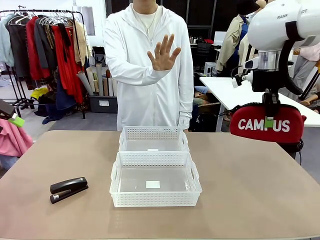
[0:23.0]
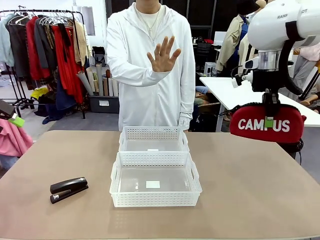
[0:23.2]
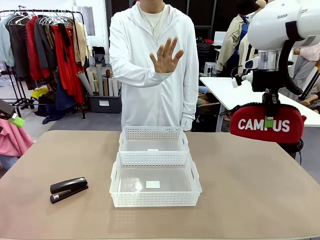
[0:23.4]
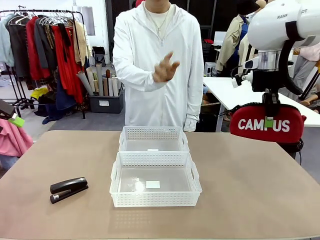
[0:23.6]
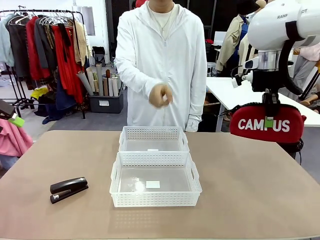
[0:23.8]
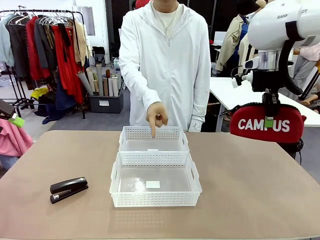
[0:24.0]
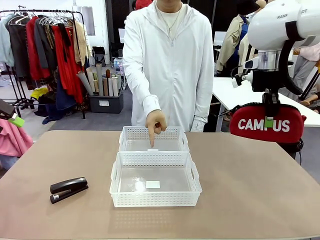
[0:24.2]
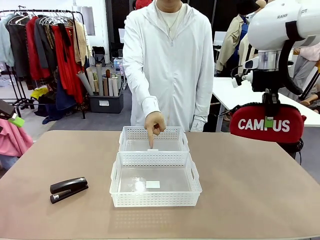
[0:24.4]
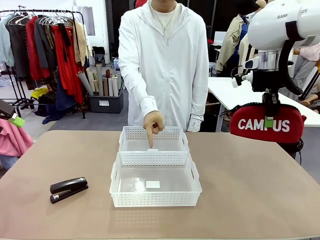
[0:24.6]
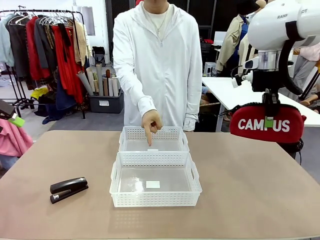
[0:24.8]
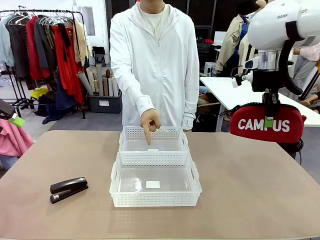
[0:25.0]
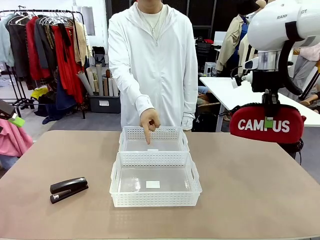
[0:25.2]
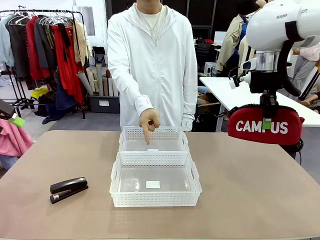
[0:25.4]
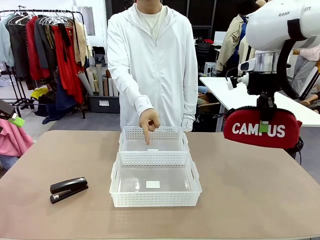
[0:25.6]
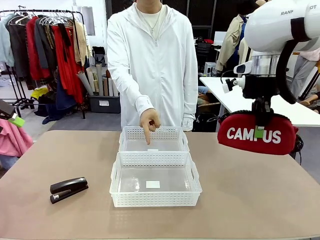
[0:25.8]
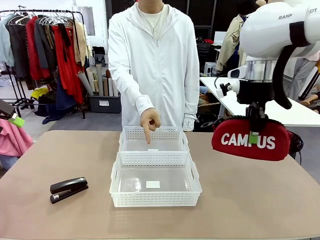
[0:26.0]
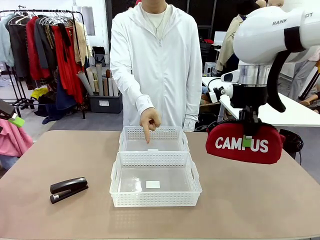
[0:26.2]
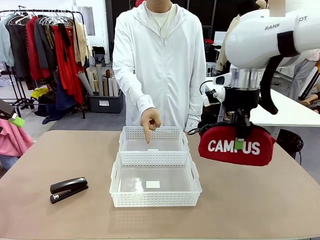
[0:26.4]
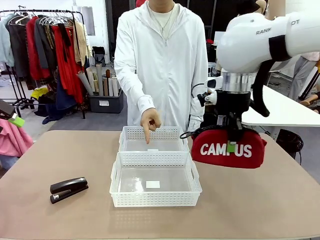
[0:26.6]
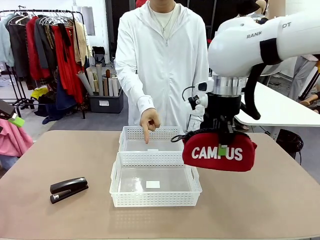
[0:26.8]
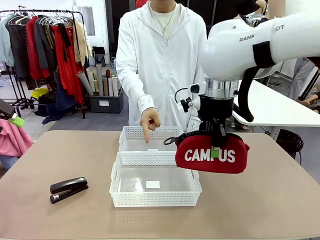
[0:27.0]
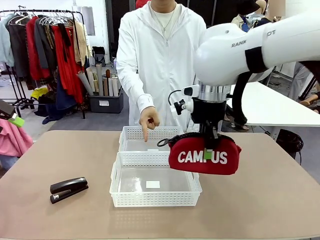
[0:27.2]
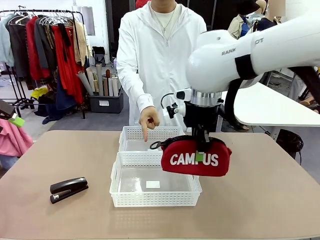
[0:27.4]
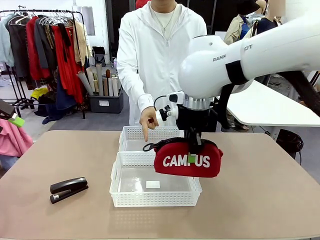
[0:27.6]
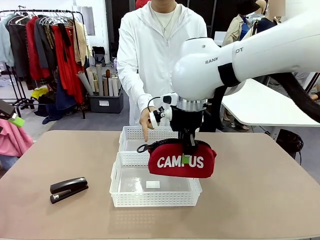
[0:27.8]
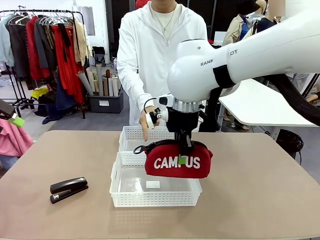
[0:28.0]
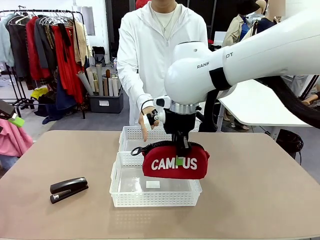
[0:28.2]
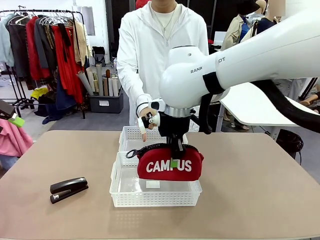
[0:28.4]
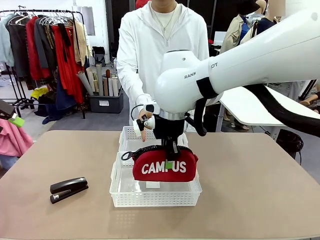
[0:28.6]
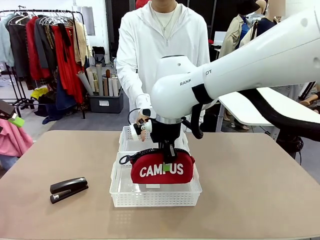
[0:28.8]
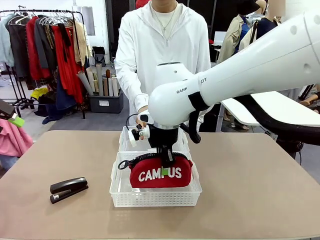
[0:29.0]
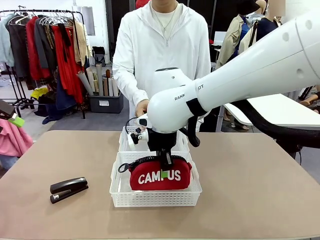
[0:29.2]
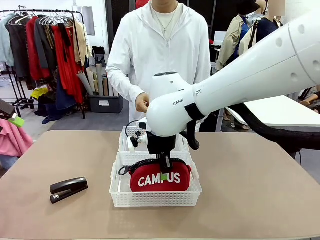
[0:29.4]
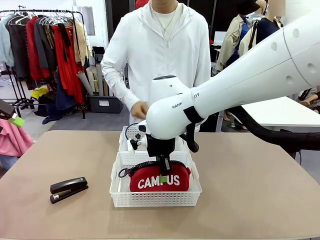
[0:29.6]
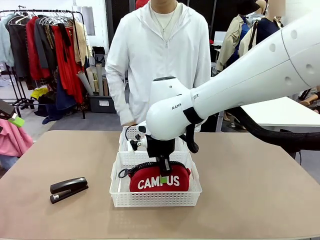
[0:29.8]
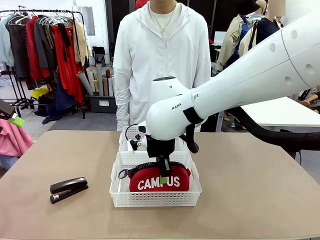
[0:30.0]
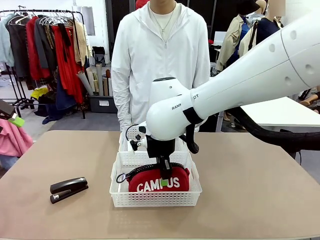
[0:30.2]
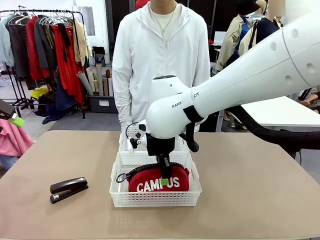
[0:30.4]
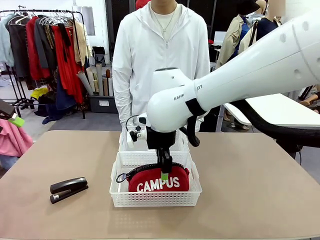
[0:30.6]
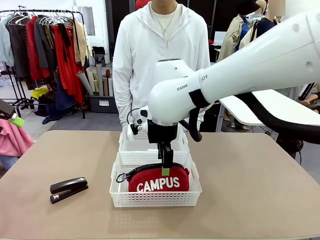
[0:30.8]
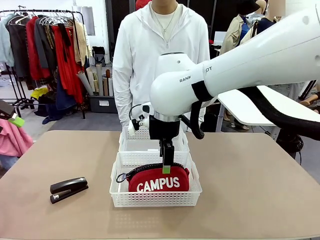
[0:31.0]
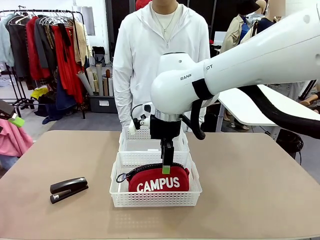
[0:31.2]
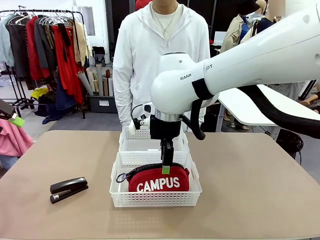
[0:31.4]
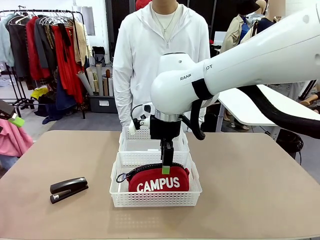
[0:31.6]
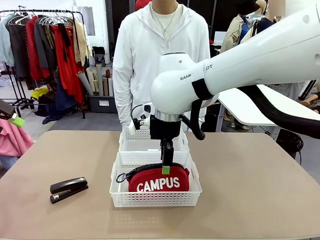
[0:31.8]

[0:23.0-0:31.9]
Task: Distribute items into two baskets.
Robot: Place the picked Pencil pouch into the Organizing basket as instructed by the person.
Person: Instructs the robot to place the pencil case into the opposite basket. Points to the stapler.

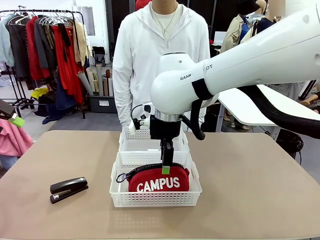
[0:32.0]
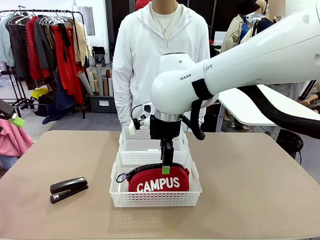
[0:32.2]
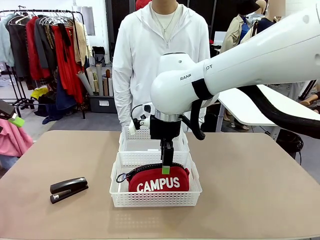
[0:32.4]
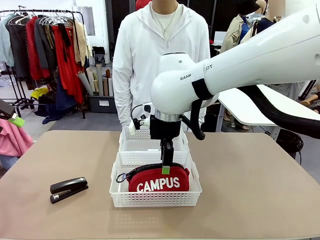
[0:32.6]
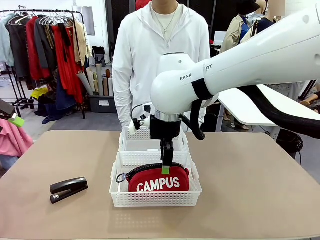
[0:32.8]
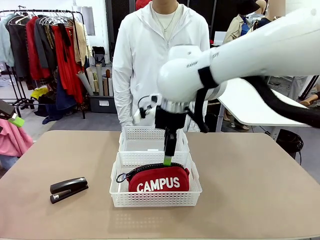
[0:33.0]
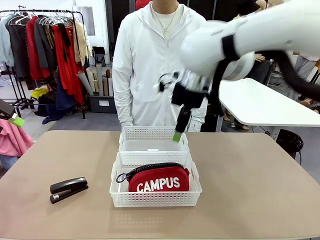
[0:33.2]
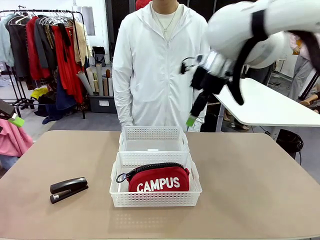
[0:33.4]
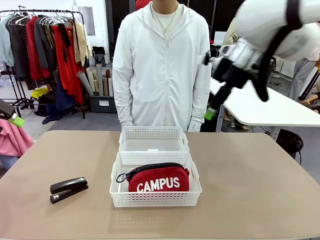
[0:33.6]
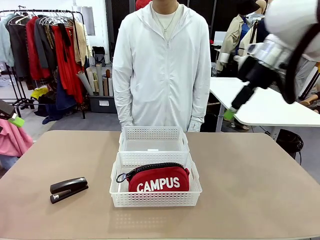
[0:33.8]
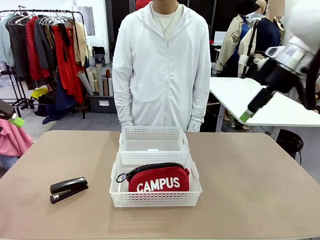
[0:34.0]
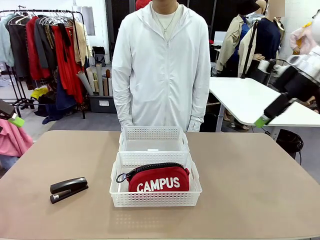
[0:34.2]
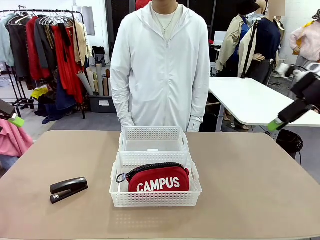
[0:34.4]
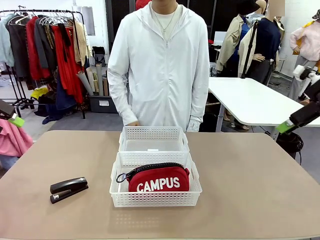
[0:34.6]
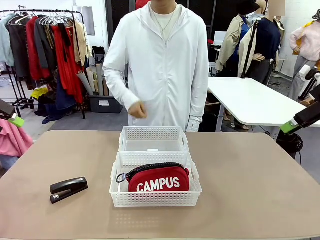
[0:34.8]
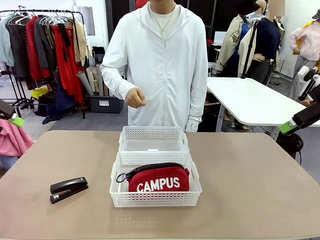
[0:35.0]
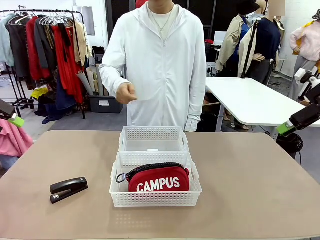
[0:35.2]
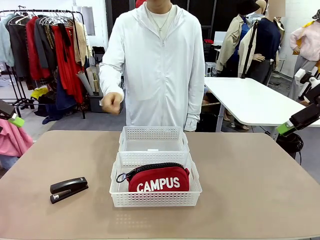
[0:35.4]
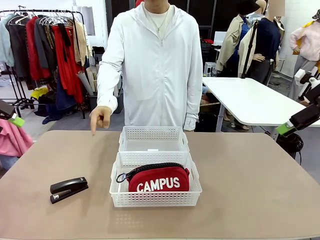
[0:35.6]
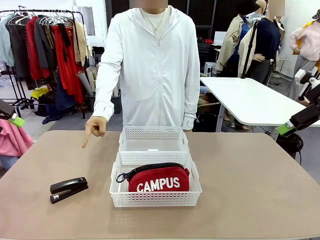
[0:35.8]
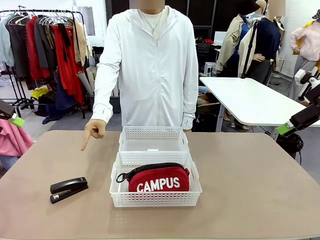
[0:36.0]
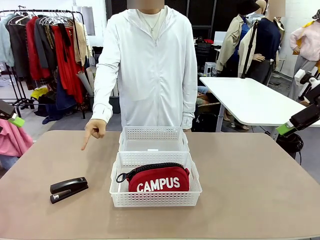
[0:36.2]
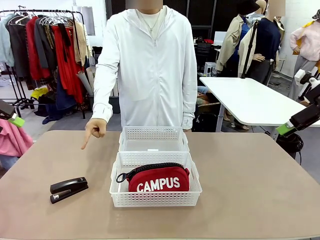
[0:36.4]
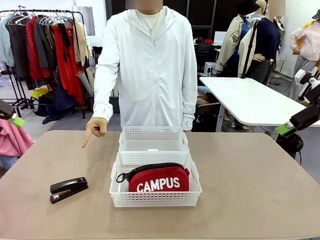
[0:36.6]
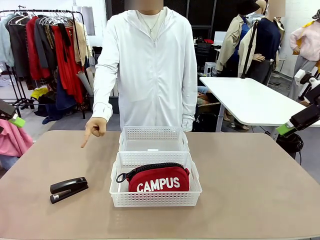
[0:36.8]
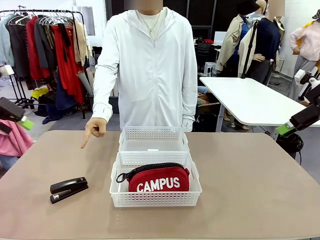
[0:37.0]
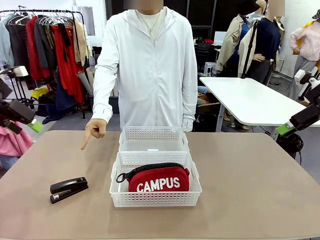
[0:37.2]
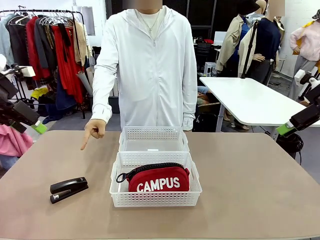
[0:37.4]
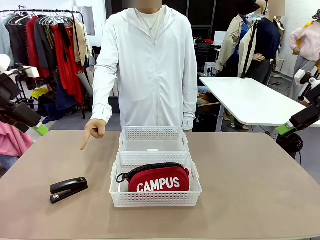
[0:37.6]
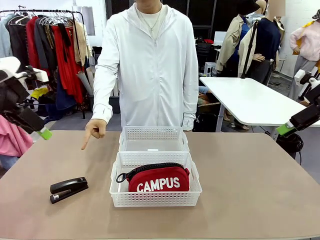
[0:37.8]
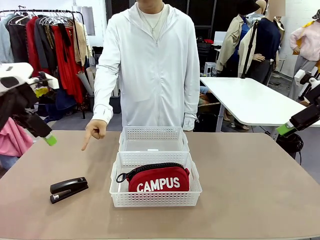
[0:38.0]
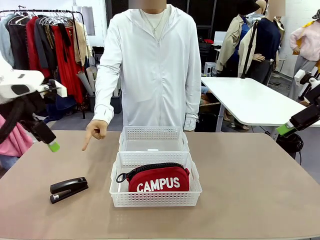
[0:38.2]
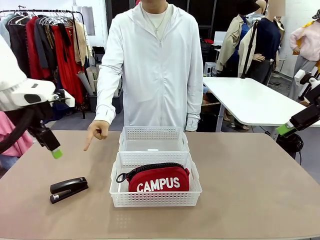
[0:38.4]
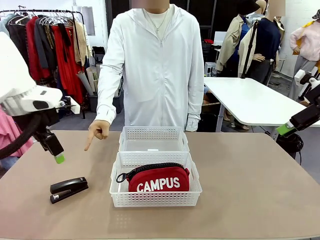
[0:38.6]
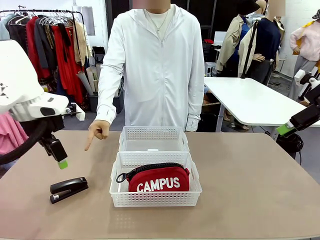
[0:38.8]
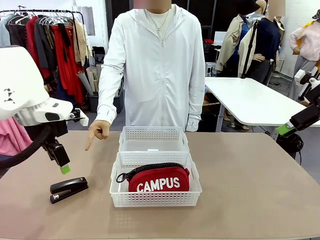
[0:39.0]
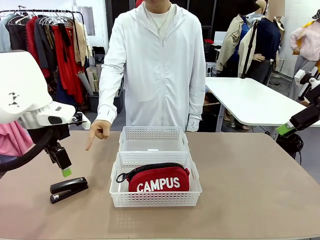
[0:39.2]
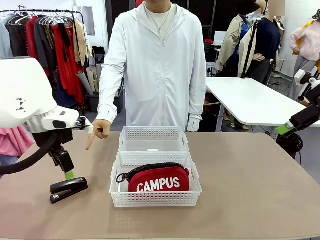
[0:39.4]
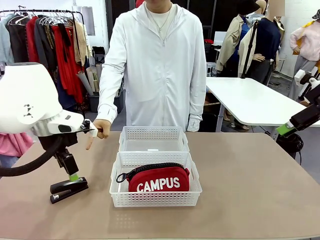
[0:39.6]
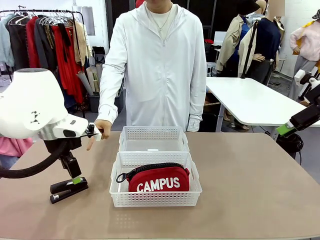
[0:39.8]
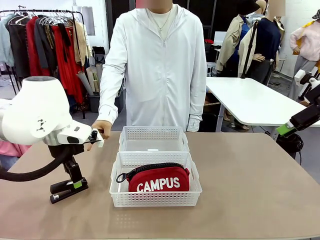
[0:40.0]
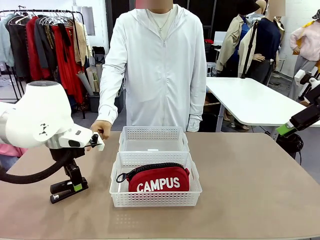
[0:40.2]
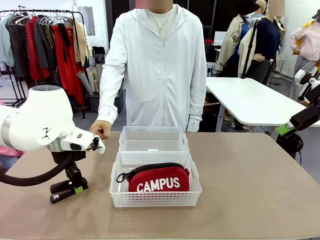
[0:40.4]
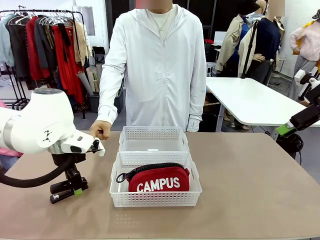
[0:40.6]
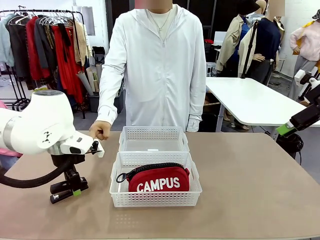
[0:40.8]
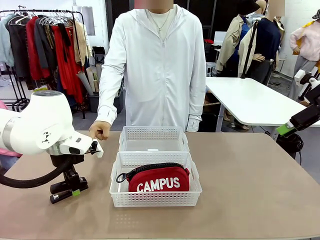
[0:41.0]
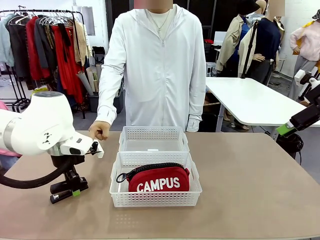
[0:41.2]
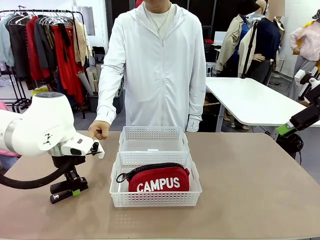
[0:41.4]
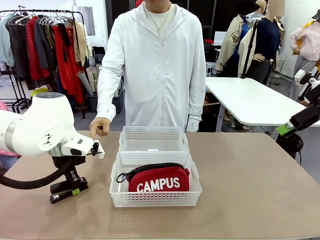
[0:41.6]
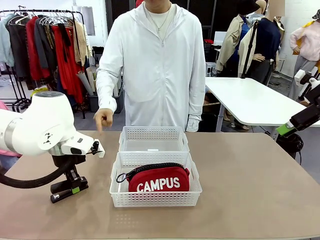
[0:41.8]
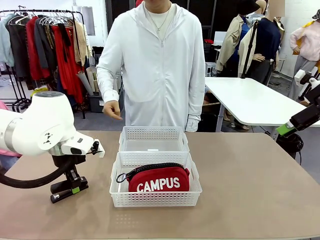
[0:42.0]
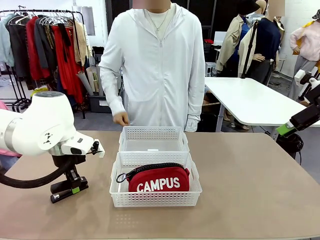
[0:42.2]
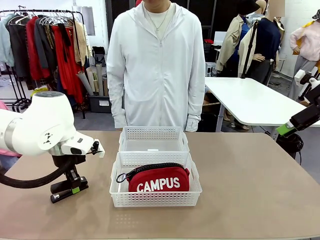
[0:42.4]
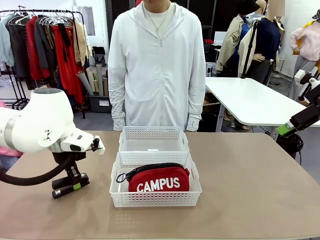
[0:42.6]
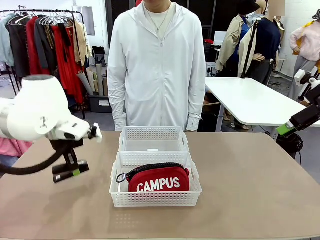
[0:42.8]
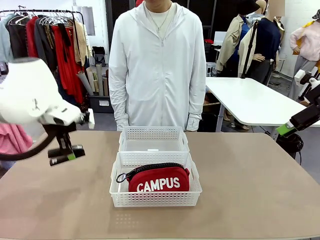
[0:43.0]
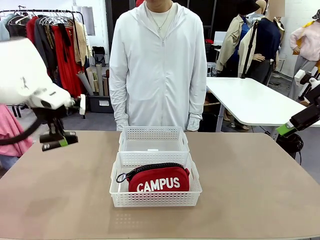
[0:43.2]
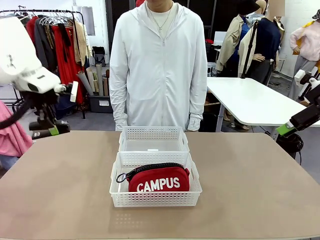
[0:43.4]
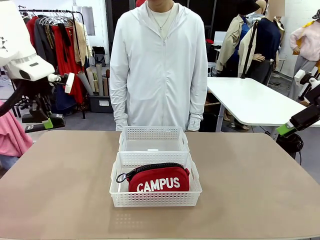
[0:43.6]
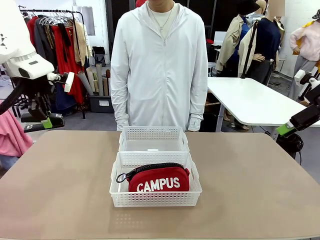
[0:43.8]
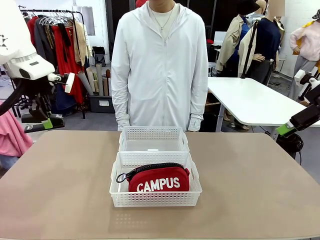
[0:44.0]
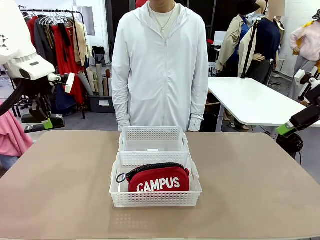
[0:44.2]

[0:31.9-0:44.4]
Robot: Pick up the Stapler that the person points to.
